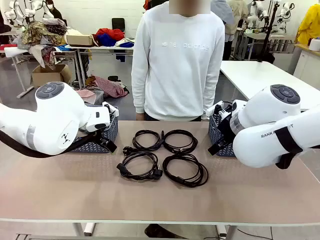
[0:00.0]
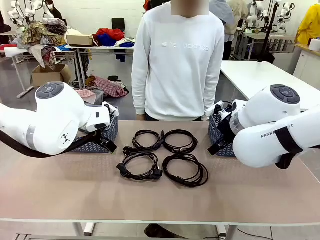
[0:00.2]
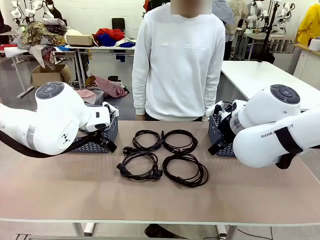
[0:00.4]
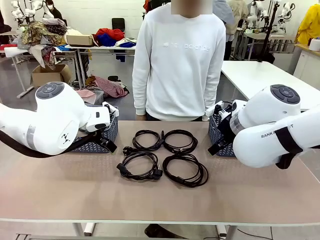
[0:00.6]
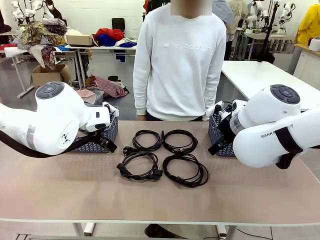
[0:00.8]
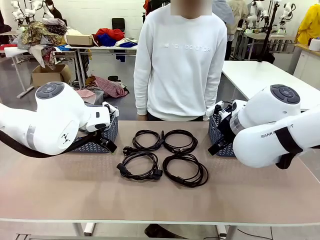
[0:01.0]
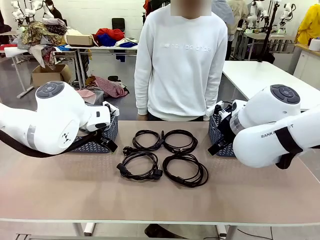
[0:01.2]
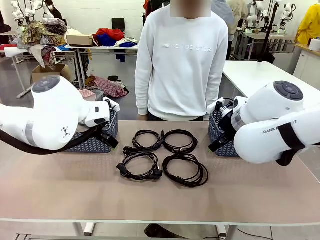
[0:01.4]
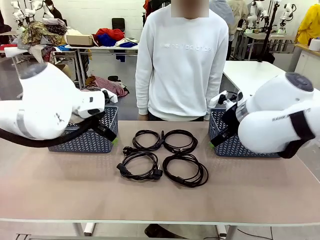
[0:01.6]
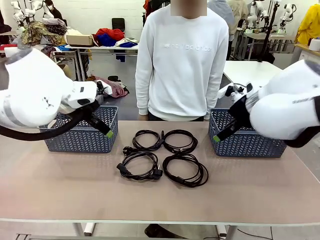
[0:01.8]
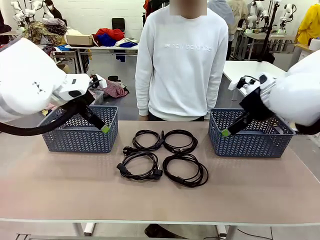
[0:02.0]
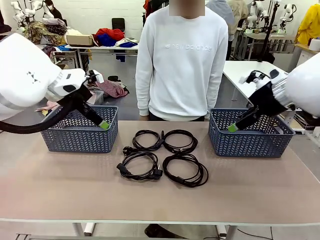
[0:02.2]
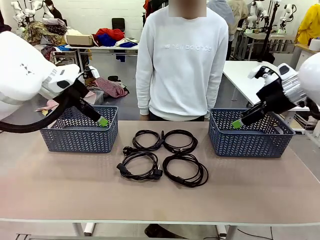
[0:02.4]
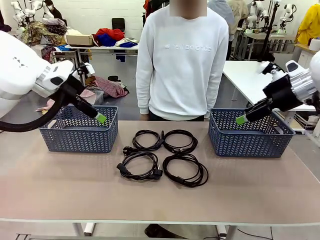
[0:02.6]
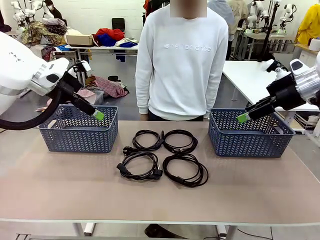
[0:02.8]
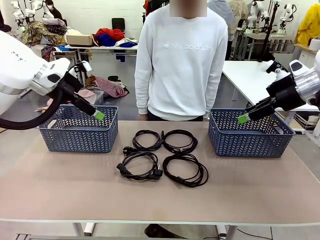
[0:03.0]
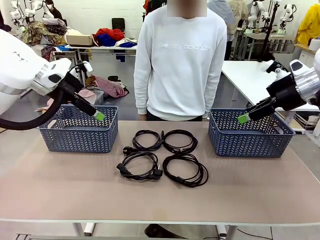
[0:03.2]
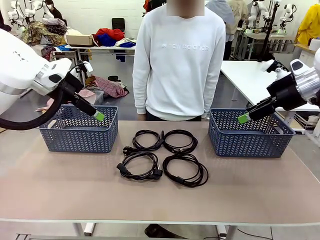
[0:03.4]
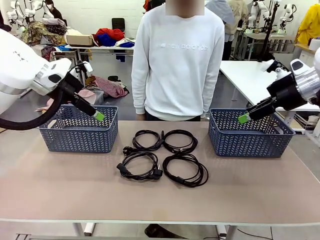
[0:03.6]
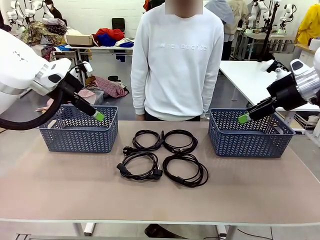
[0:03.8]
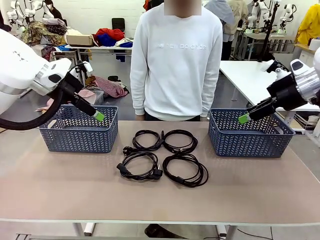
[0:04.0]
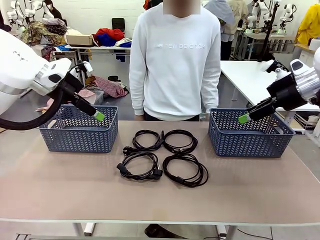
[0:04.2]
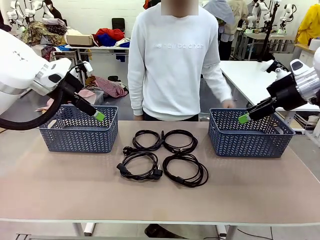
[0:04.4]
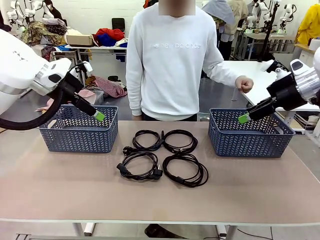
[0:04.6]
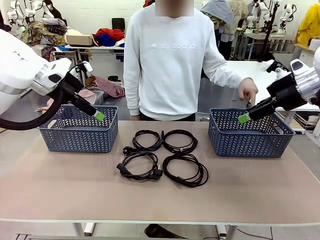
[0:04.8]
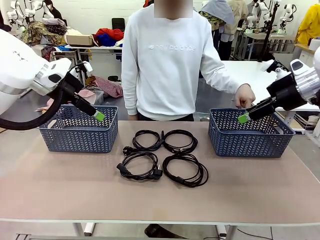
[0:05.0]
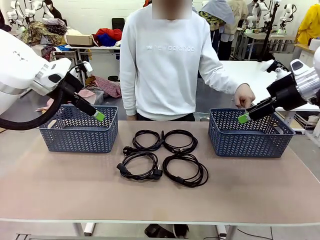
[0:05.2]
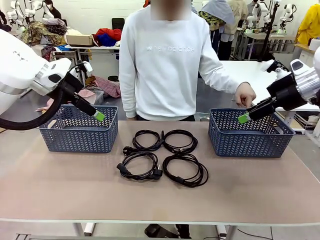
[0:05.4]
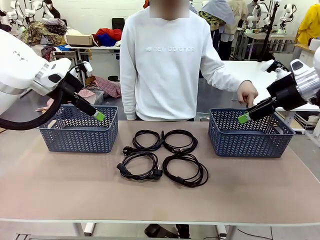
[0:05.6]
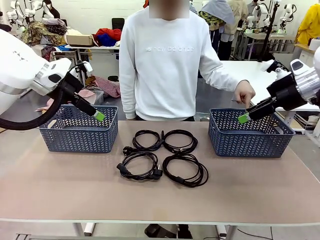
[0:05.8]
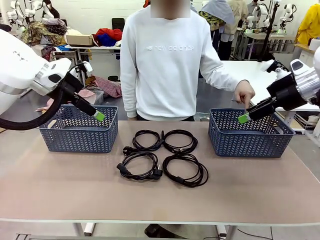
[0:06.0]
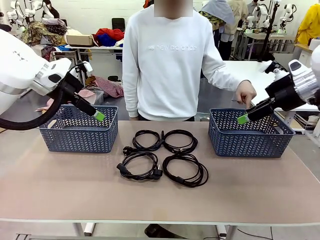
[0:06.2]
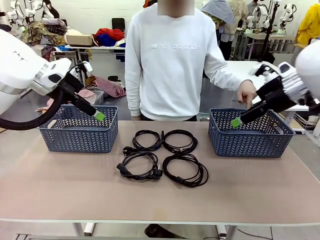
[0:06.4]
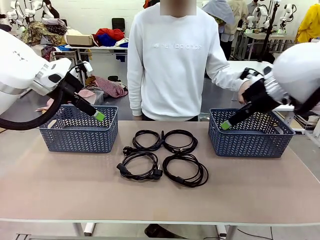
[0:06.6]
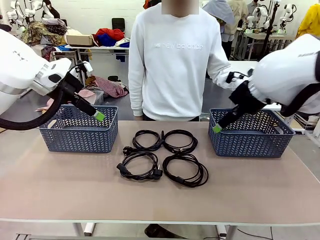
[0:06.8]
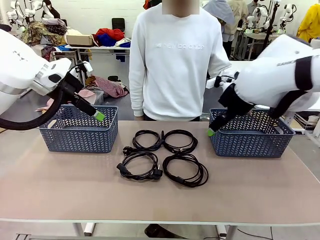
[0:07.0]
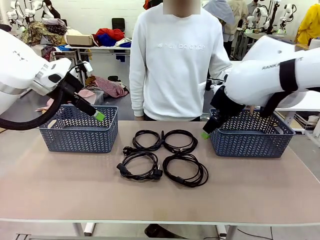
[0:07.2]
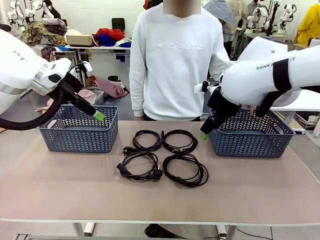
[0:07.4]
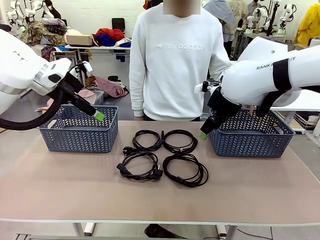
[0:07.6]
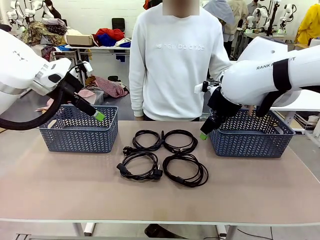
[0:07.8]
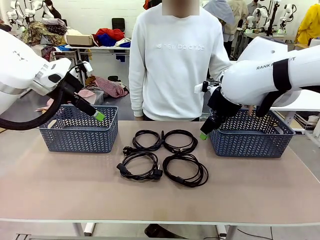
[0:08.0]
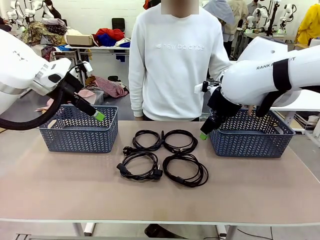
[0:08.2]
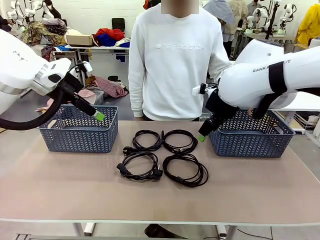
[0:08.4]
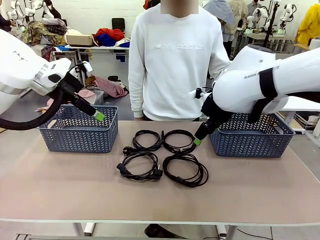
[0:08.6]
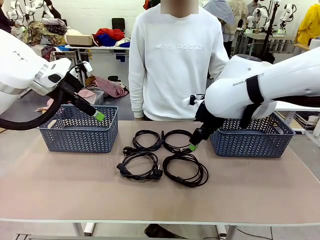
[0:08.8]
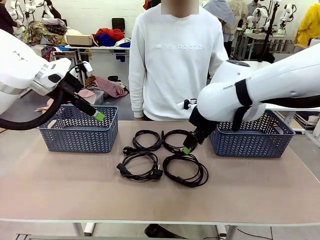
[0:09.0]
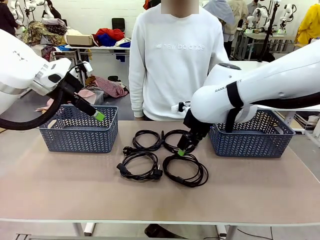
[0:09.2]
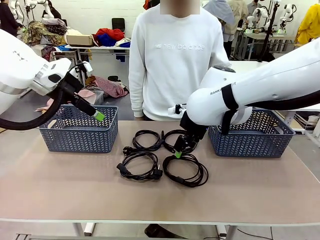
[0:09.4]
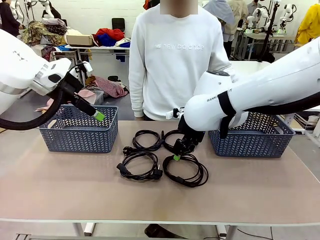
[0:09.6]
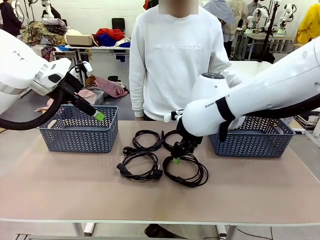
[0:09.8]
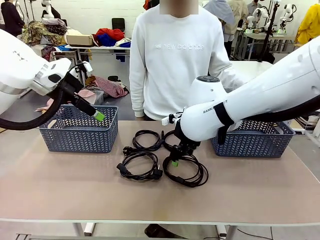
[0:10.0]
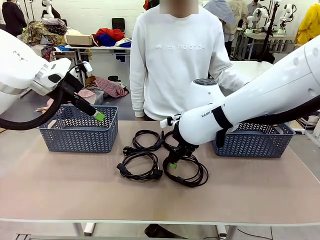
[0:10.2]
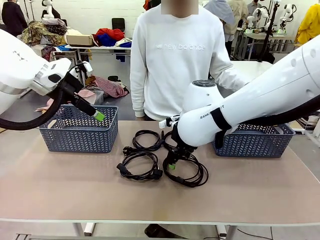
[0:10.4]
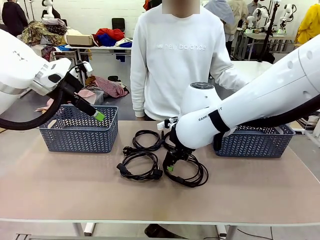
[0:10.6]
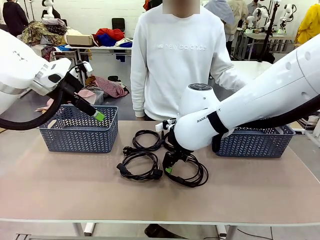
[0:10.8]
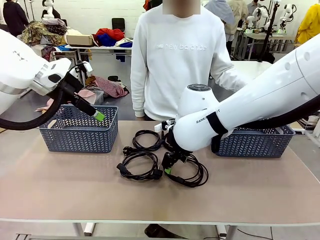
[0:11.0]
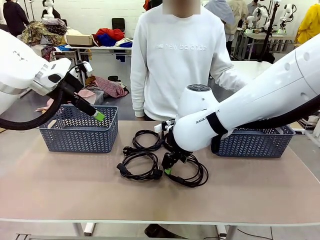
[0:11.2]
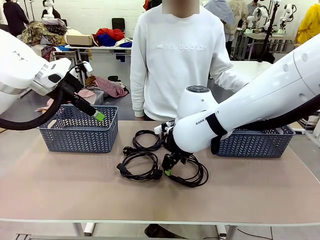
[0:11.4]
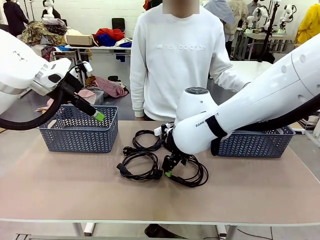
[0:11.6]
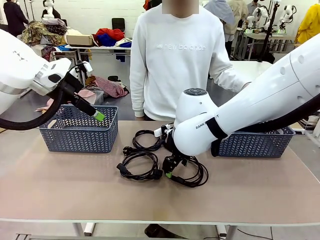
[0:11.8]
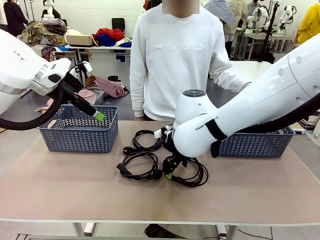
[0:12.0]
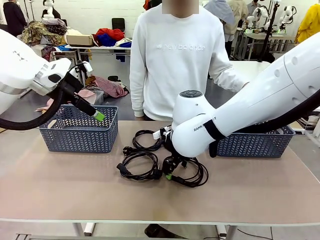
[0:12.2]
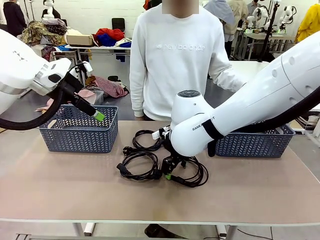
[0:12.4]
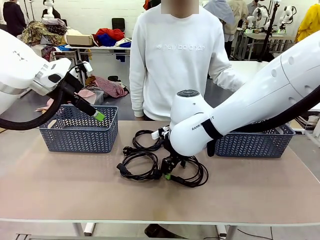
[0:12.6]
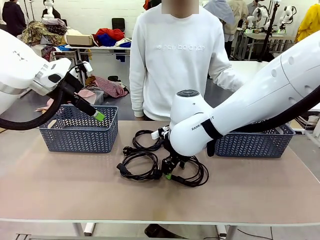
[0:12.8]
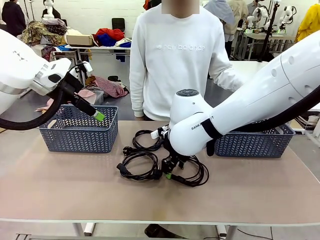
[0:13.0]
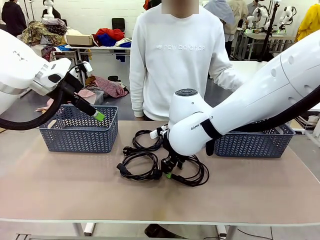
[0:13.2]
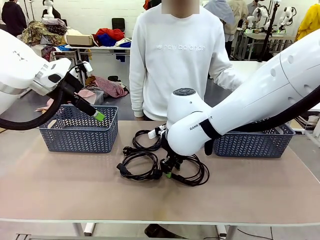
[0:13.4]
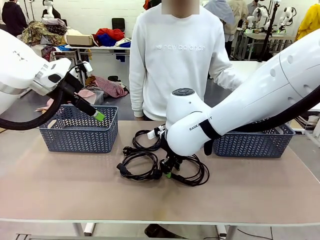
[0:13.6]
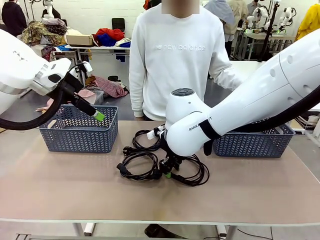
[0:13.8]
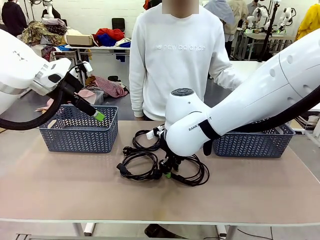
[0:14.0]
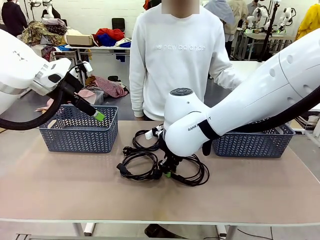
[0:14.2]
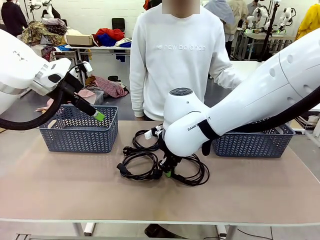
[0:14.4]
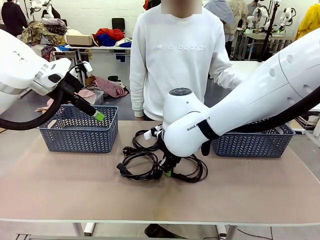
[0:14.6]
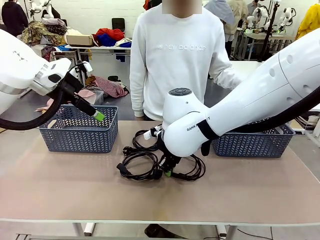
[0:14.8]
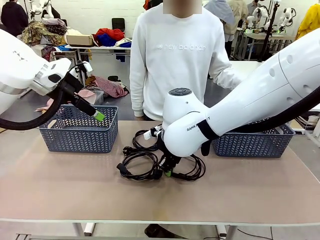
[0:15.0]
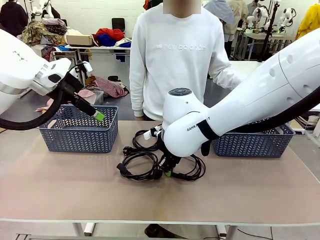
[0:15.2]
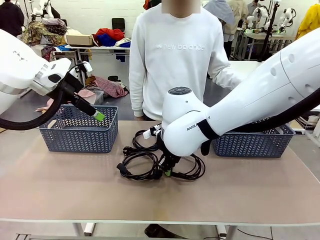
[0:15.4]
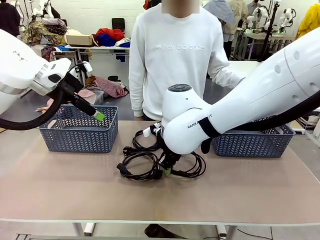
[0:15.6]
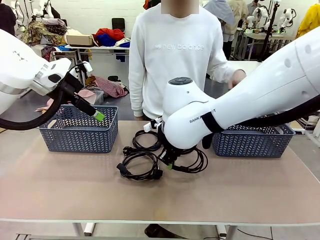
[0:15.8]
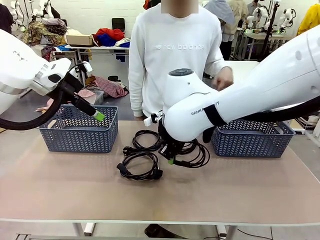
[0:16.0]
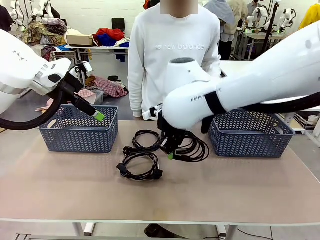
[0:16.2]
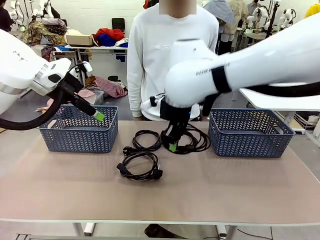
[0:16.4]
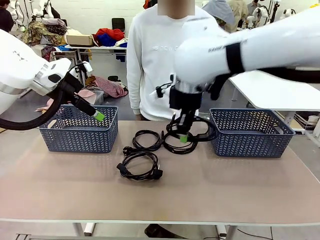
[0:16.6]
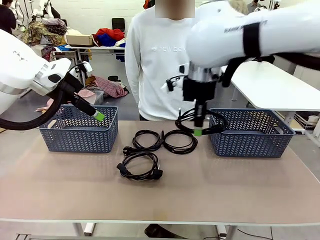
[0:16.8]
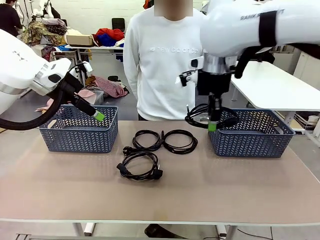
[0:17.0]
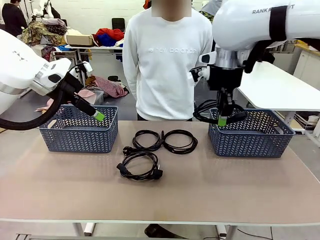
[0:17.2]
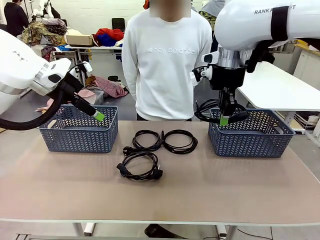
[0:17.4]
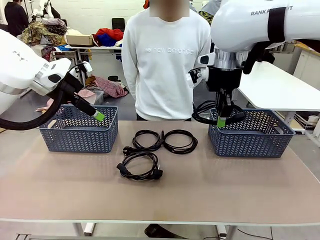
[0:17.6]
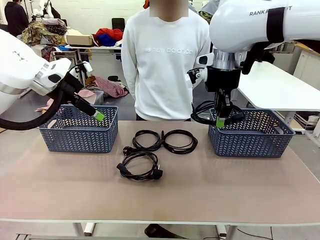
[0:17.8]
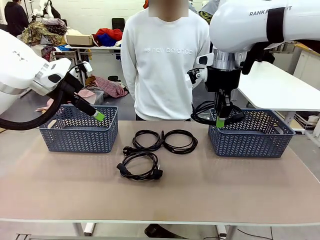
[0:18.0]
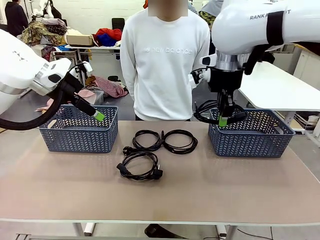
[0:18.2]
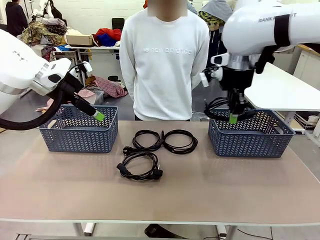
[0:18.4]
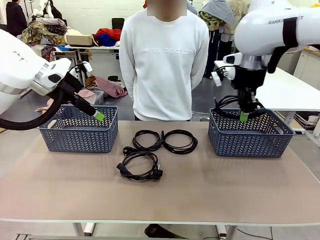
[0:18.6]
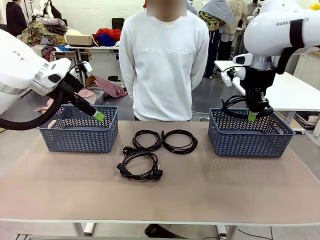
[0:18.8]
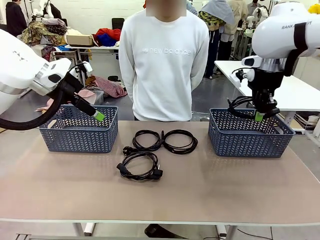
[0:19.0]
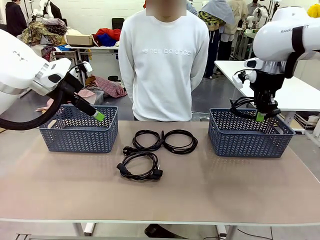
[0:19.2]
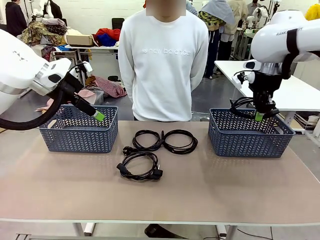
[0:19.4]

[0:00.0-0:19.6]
Task: Organize the cables according to human instructions.
Robot: Pick up a bundle of cables and place it in the basket indicated by the human.
